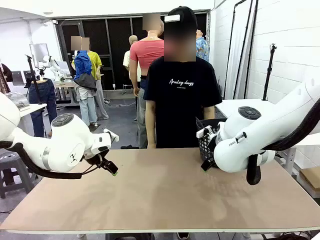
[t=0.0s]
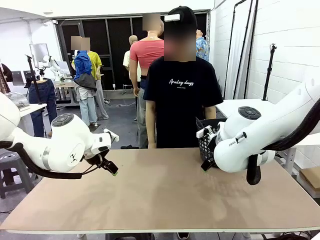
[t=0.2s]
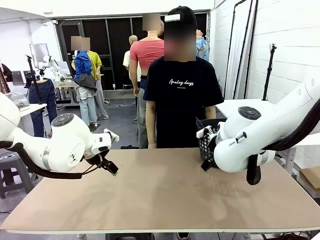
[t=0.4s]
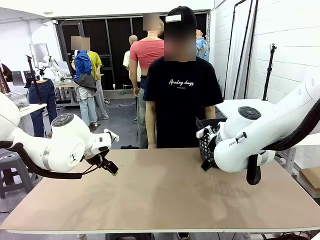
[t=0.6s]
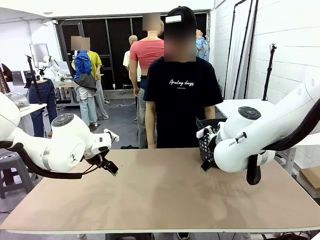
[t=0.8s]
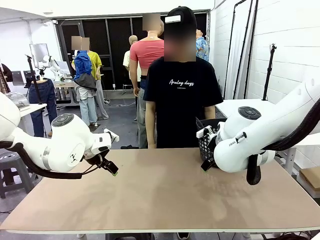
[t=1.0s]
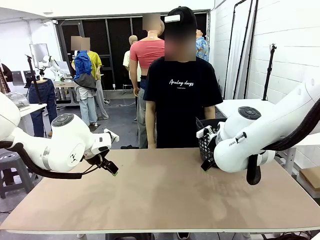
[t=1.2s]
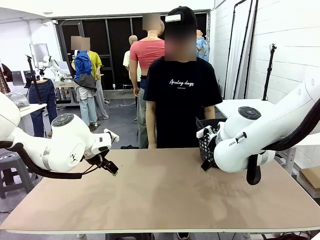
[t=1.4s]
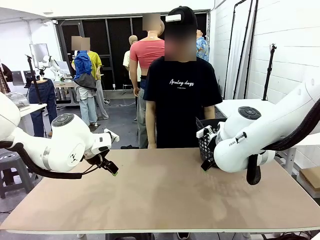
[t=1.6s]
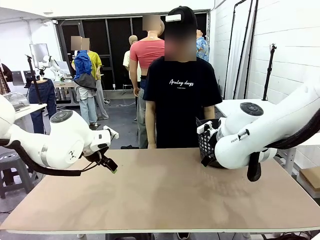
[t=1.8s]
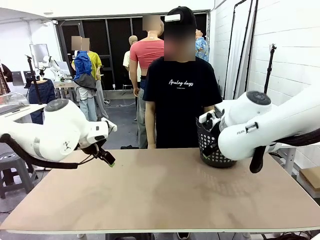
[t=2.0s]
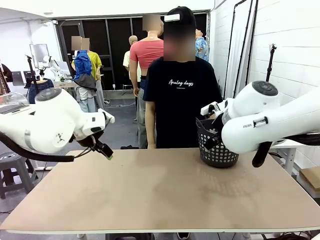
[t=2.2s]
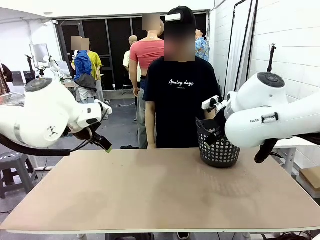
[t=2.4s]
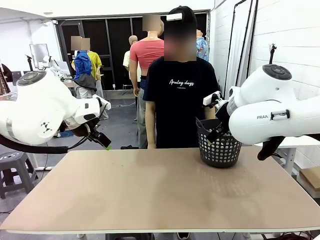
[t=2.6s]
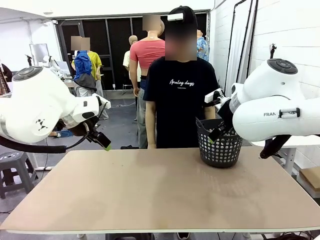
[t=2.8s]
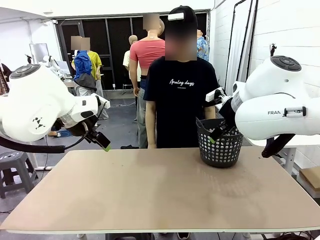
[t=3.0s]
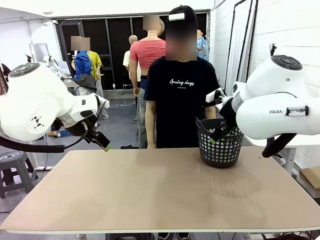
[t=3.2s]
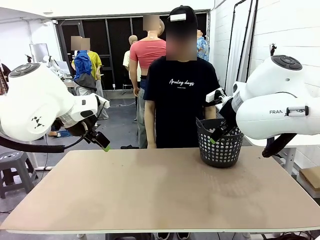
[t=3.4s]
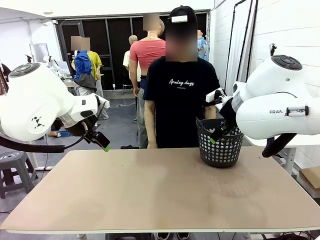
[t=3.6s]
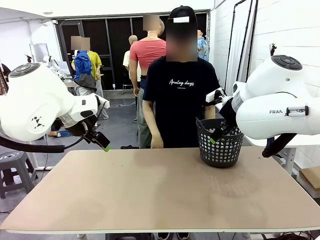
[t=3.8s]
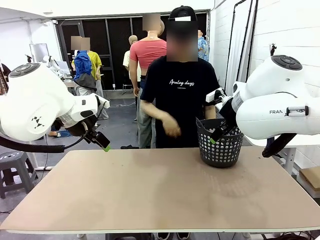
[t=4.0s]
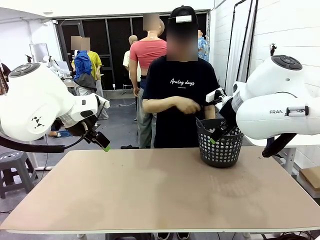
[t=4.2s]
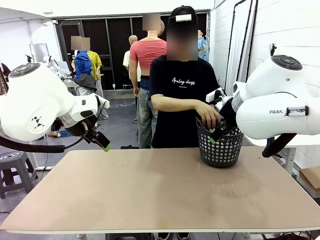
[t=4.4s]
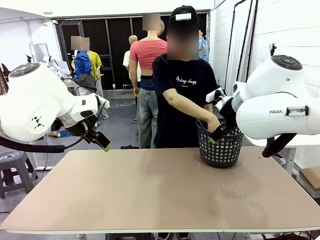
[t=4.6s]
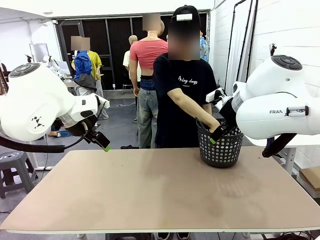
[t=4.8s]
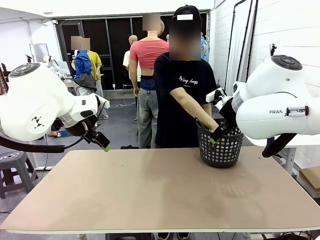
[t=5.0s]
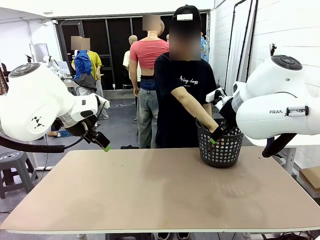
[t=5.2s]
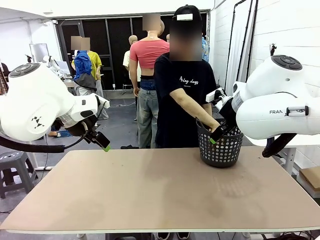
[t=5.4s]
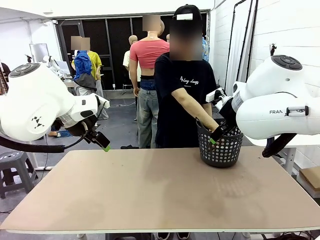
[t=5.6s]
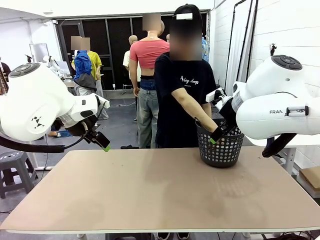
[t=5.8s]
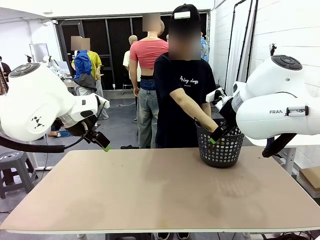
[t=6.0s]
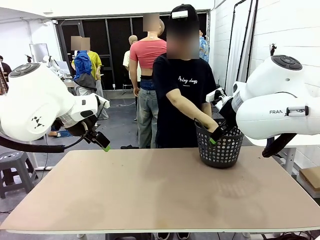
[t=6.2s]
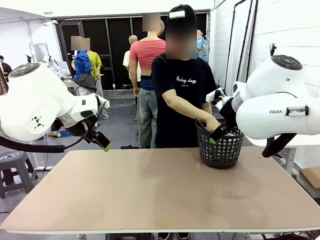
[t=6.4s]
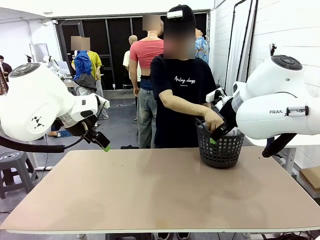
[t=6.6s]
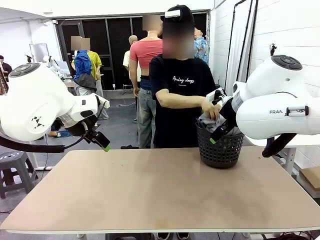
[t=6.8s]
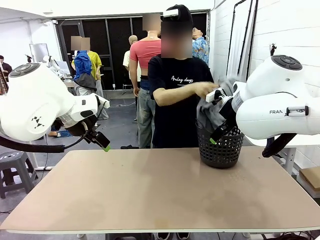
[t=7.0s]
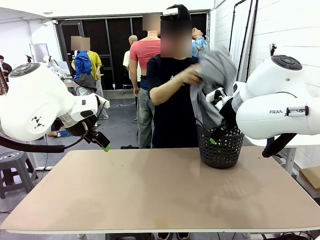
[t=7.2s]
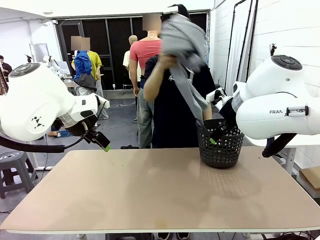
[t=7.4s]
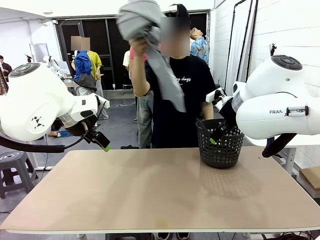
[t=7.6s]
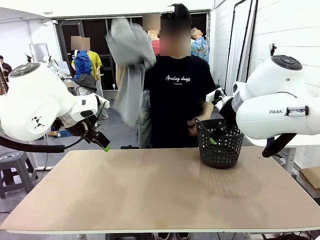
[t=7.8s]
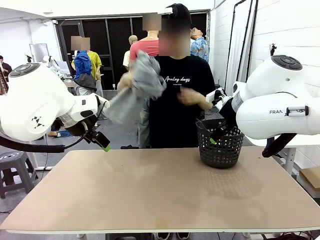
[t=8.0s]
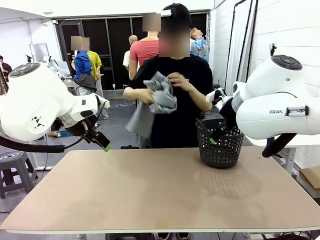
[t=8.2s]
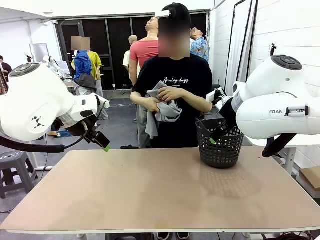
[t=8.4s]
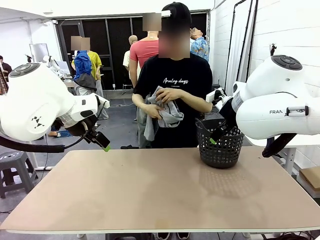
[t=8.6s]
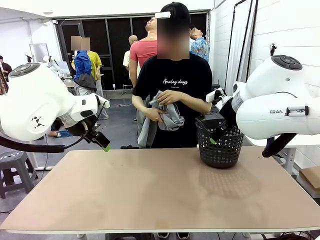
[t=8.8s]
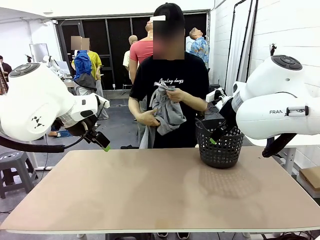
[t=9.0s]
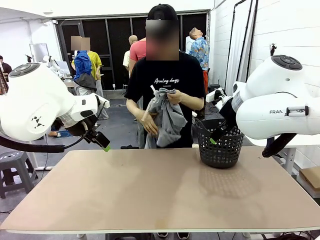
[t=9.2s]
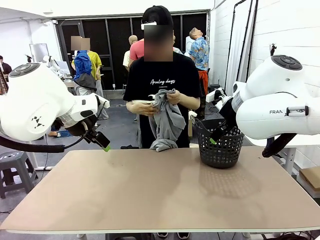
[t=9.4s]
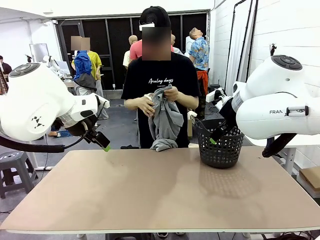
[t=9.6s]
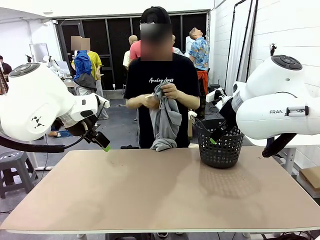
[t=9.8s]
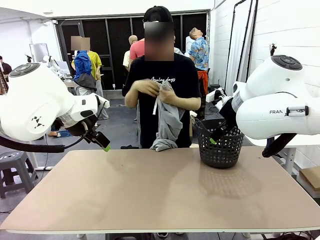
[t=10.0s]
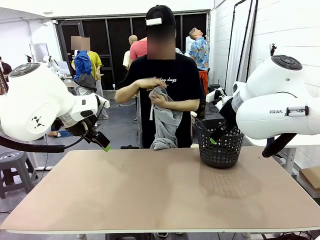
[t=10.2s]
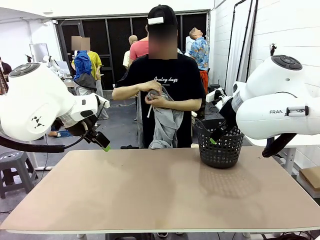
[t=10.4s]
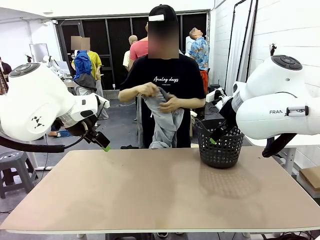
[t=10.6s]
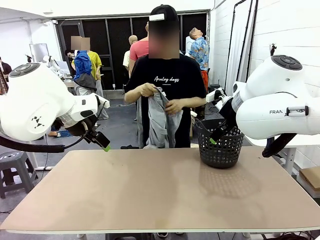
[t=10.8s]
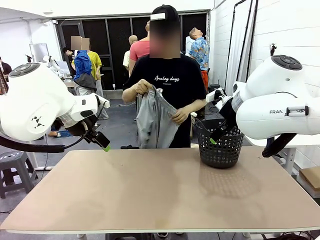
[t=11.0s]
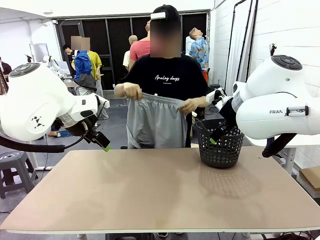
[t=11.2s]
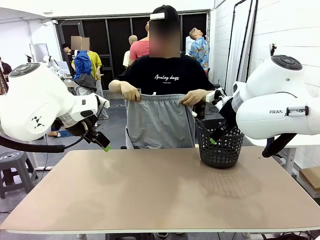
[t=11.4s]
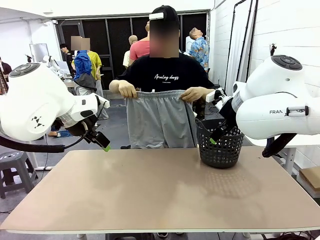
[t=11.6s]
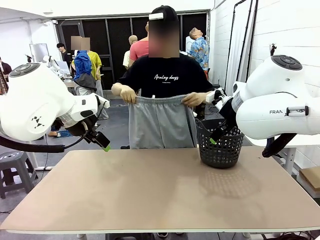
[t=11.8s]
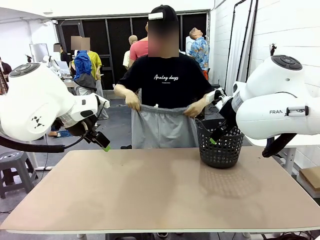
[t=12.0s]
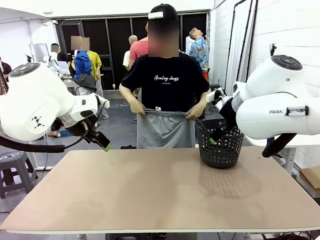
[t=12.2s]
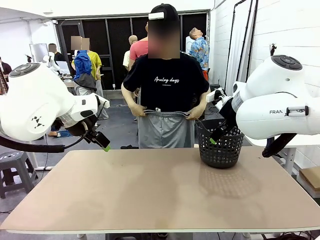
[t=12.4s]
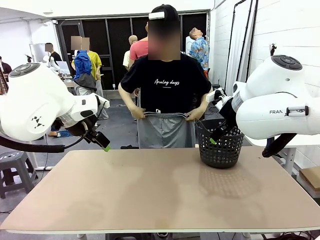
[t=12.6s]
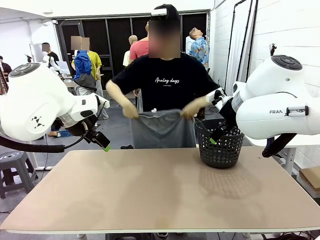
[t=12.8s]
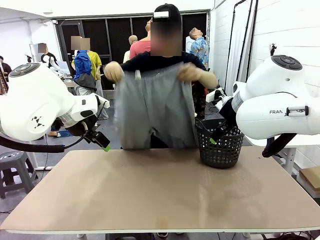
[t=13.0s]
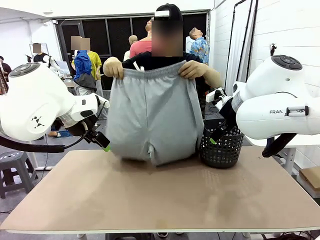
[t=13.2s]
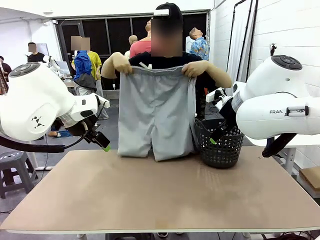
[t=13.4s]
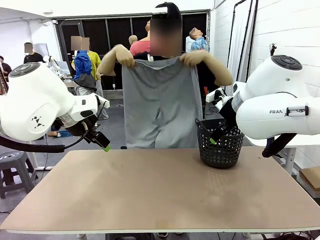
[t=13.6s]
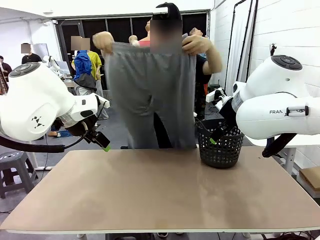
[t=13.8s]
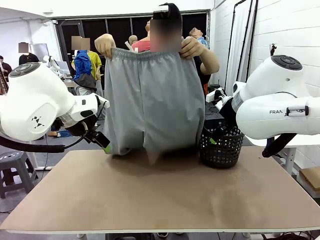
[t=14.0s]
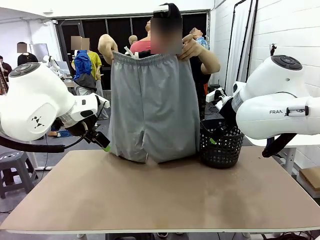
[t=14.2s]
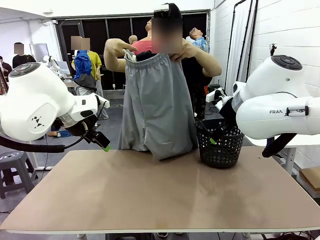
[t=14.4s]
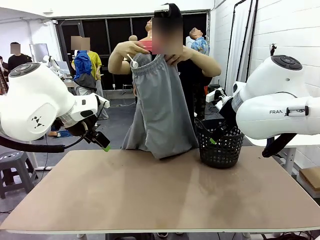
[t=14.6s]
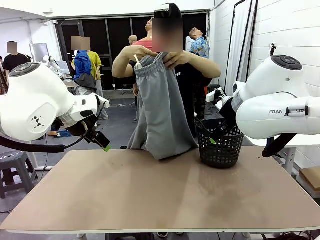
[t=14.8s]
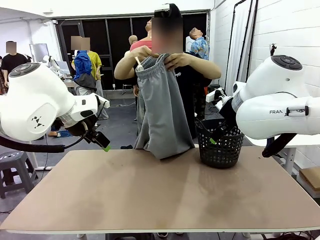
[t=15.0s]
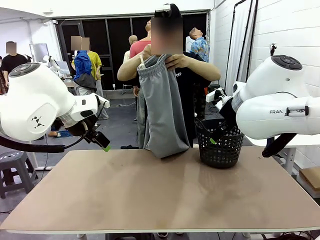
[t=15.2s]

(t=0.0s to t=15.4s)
Task: Fold the training pants.
Robot: Grab both ends of the Training pants handed by a person.
Person: Take the long pants out of the laundry basket, unfold them, fold the waist in half, and extend them so the robot can pick up both corners.
